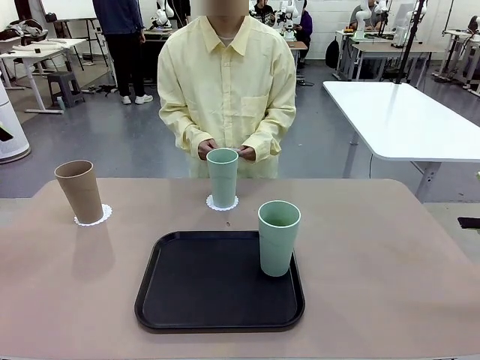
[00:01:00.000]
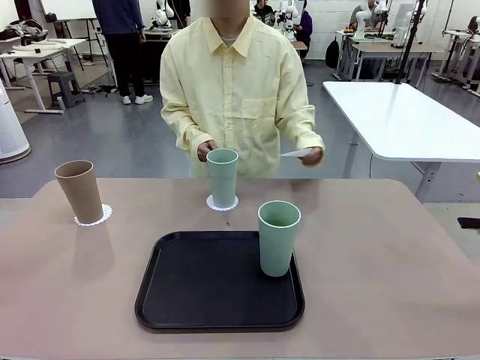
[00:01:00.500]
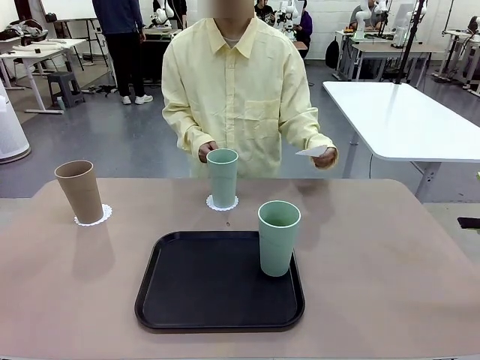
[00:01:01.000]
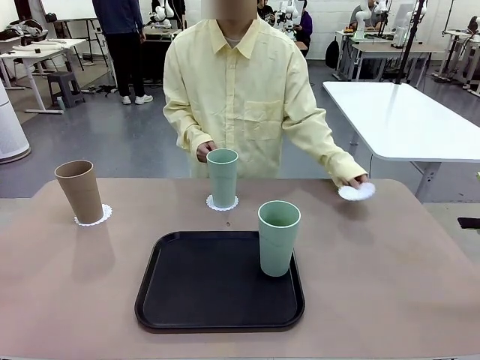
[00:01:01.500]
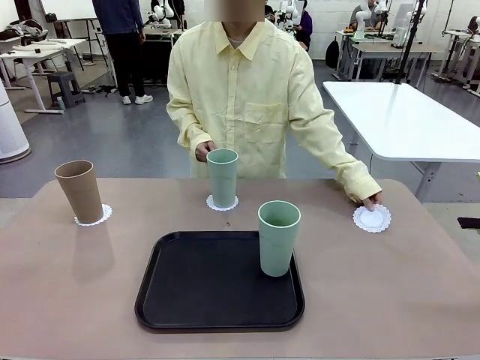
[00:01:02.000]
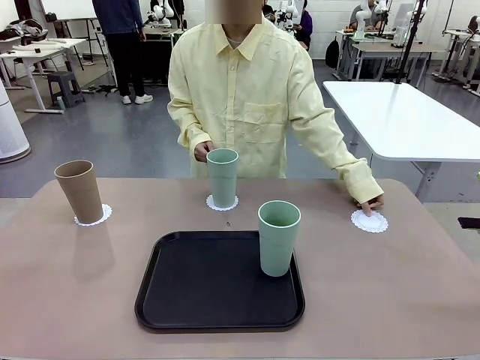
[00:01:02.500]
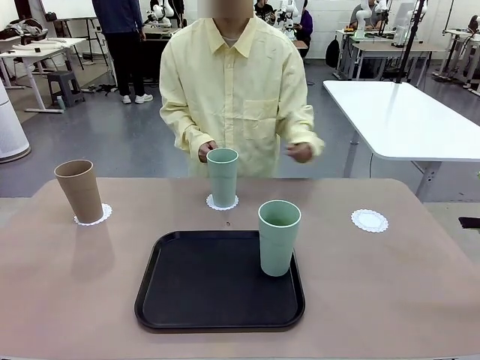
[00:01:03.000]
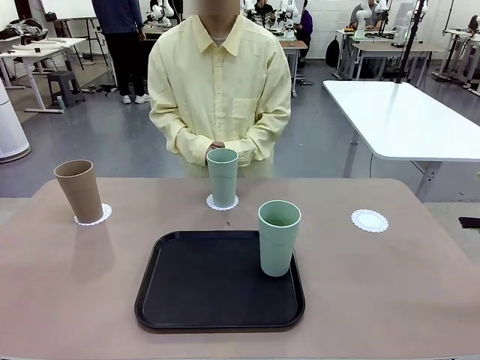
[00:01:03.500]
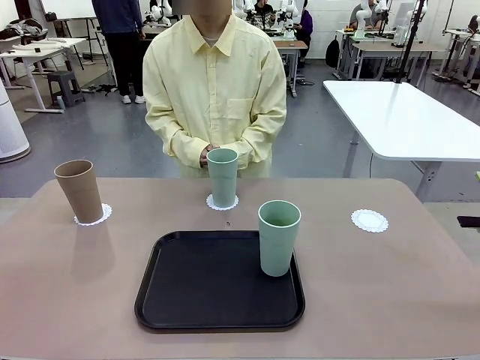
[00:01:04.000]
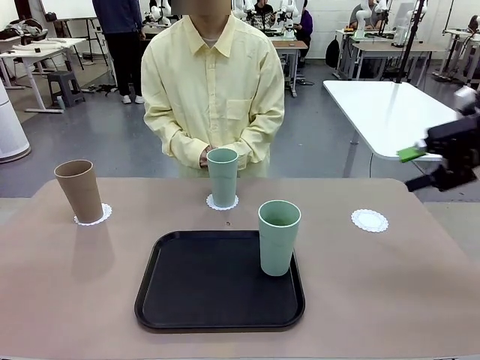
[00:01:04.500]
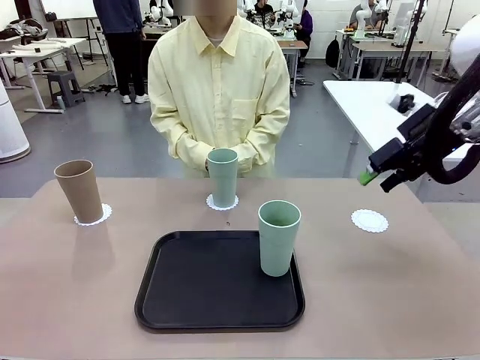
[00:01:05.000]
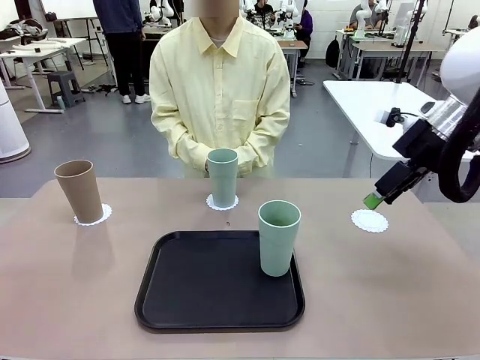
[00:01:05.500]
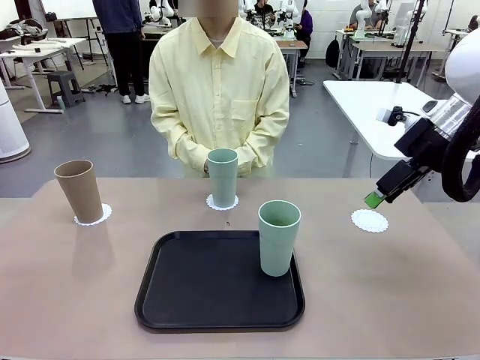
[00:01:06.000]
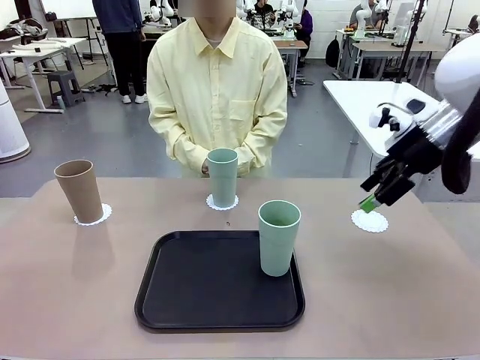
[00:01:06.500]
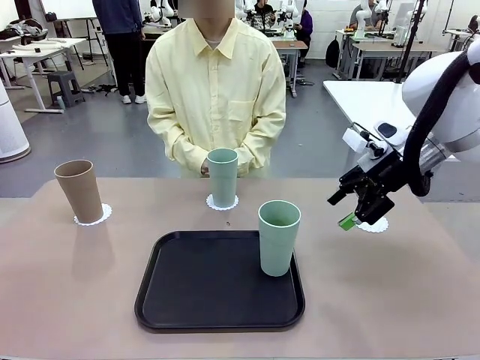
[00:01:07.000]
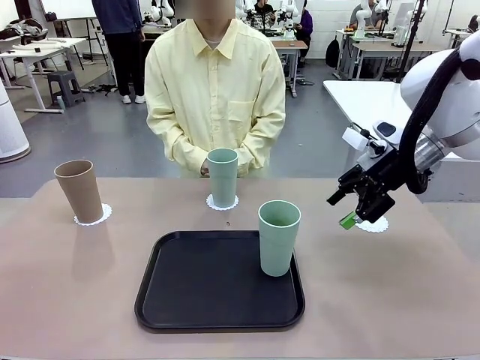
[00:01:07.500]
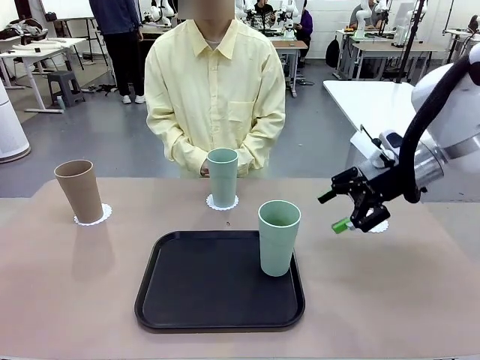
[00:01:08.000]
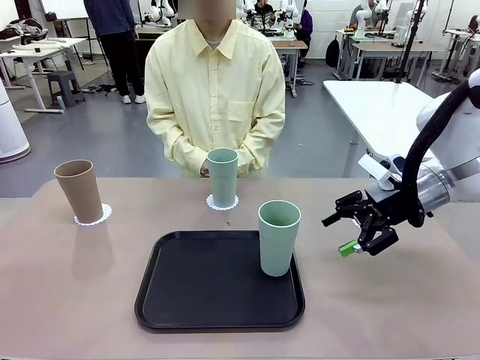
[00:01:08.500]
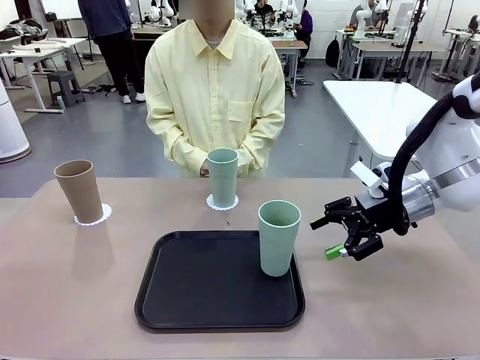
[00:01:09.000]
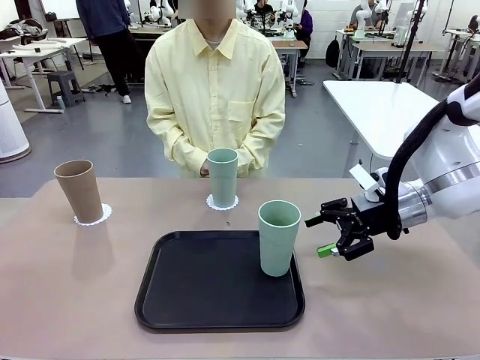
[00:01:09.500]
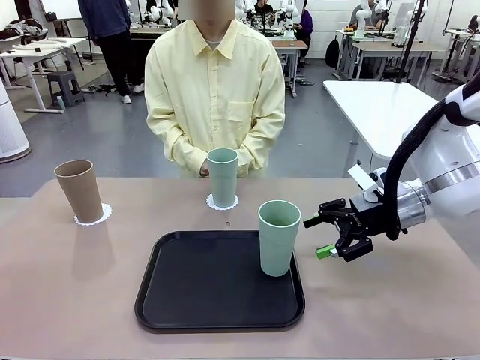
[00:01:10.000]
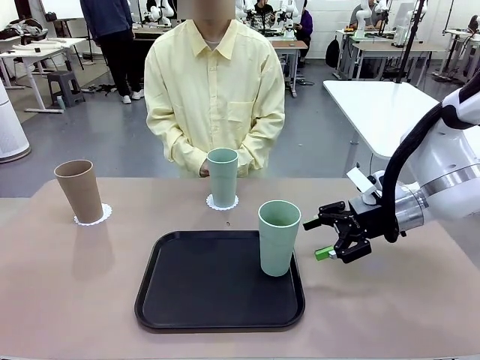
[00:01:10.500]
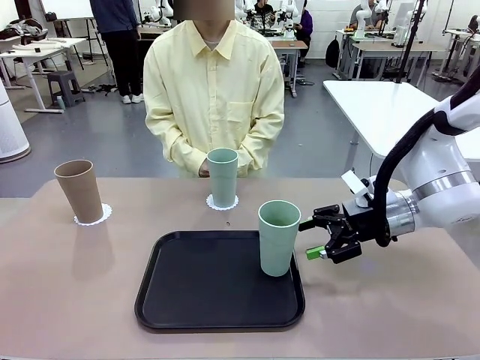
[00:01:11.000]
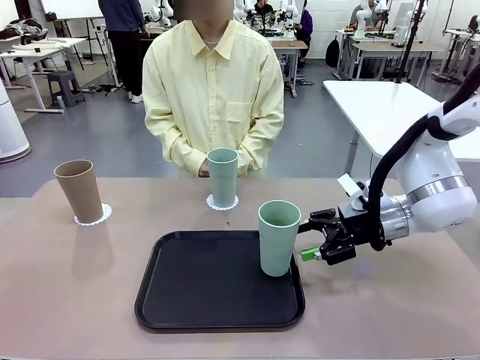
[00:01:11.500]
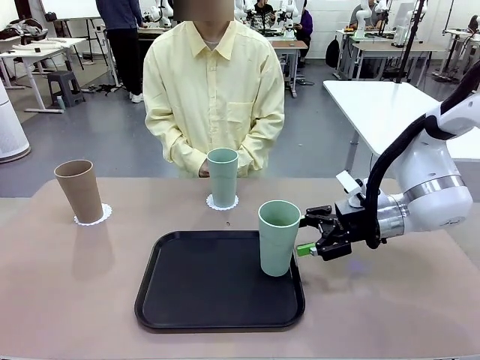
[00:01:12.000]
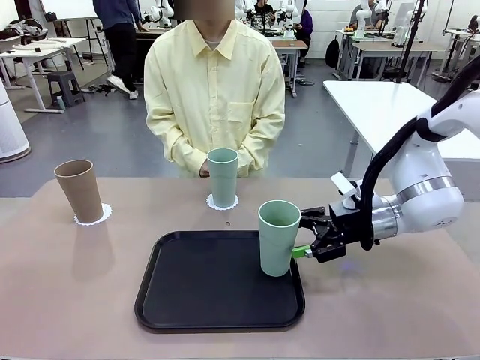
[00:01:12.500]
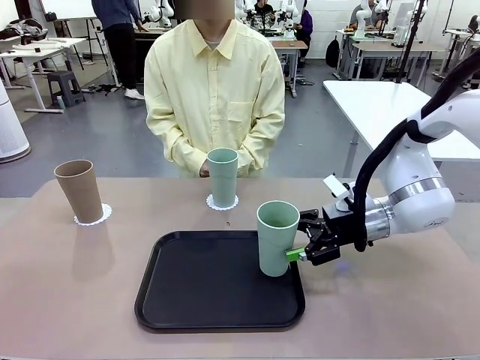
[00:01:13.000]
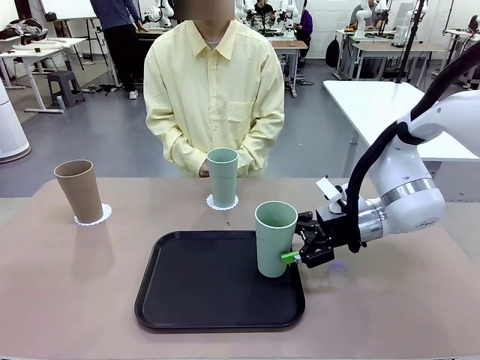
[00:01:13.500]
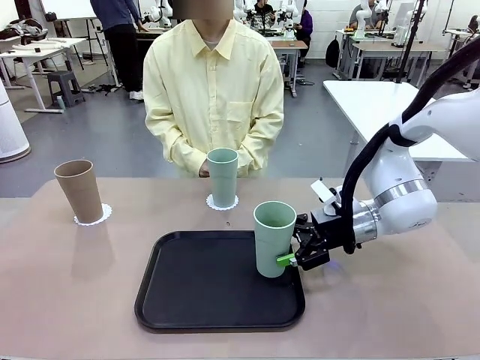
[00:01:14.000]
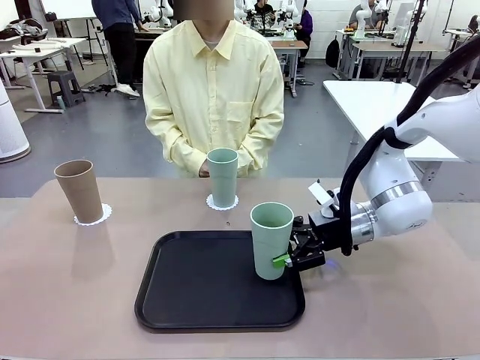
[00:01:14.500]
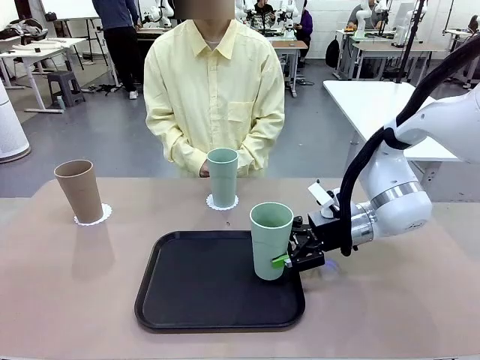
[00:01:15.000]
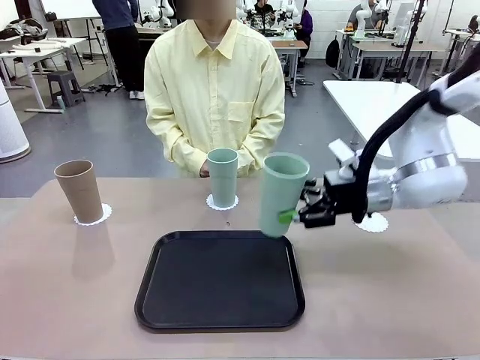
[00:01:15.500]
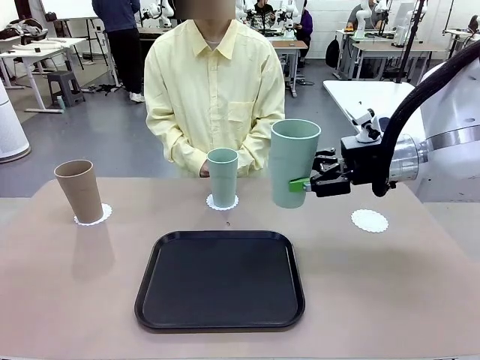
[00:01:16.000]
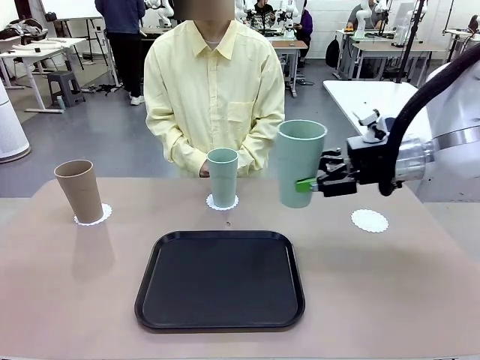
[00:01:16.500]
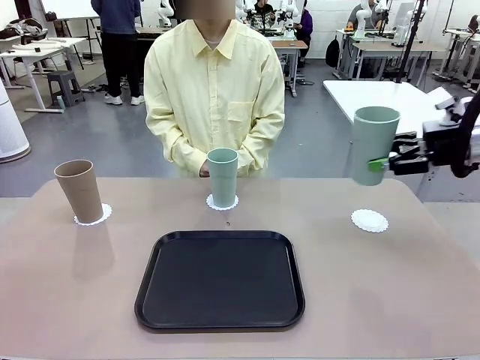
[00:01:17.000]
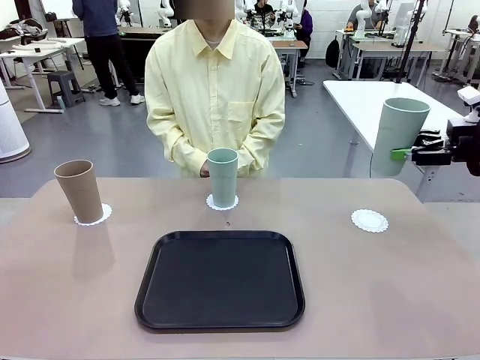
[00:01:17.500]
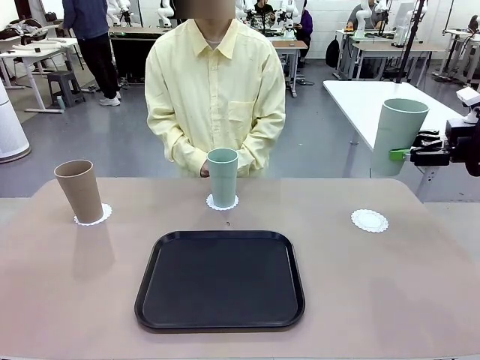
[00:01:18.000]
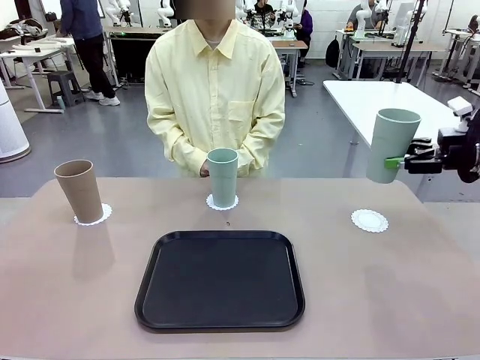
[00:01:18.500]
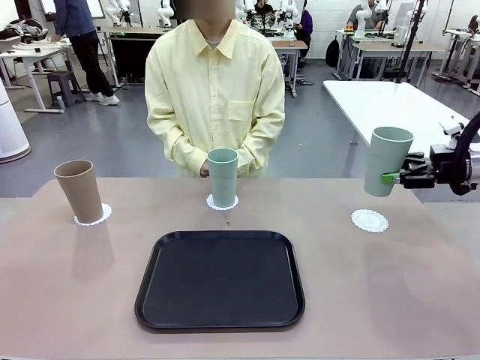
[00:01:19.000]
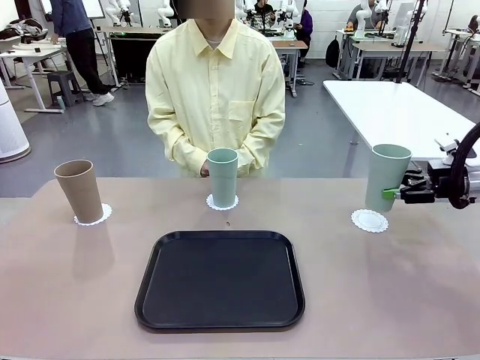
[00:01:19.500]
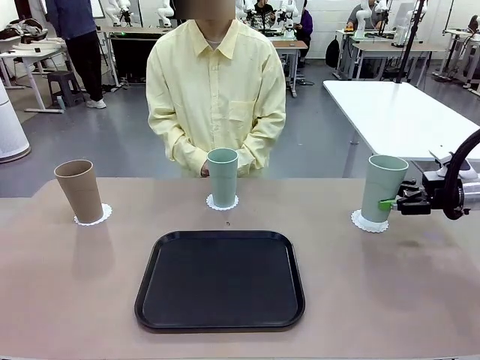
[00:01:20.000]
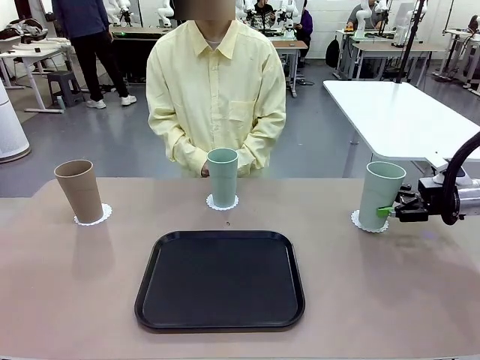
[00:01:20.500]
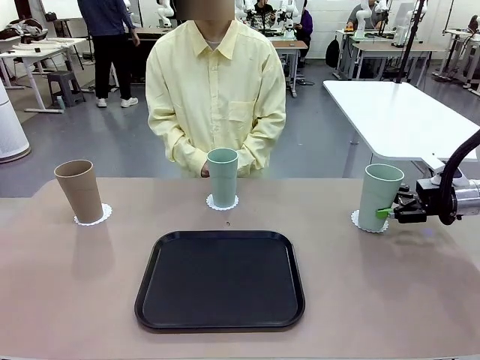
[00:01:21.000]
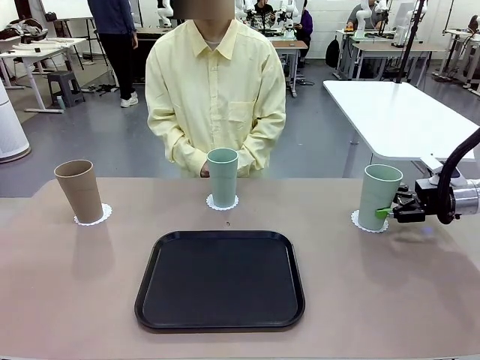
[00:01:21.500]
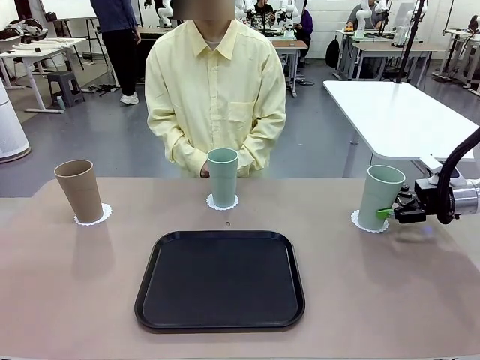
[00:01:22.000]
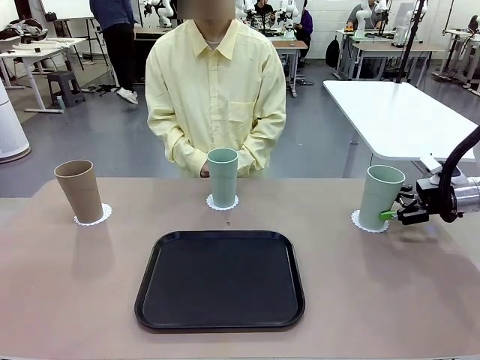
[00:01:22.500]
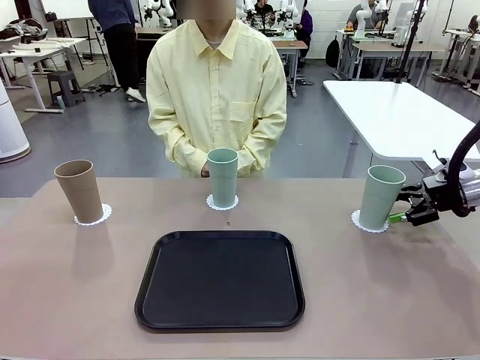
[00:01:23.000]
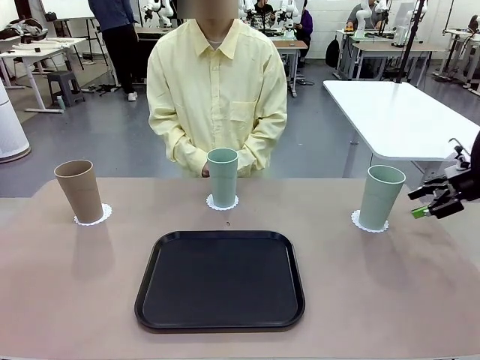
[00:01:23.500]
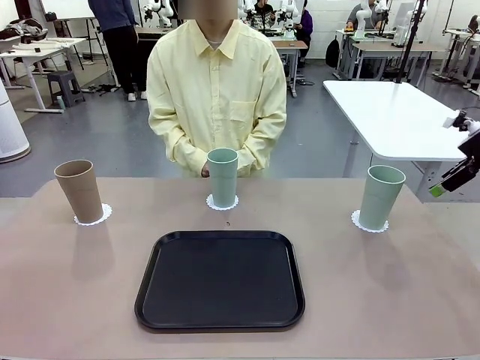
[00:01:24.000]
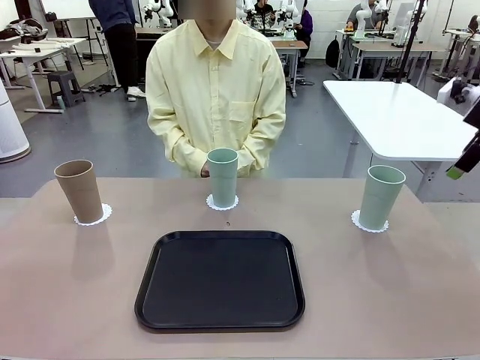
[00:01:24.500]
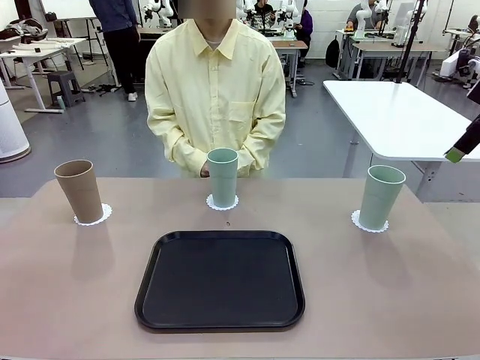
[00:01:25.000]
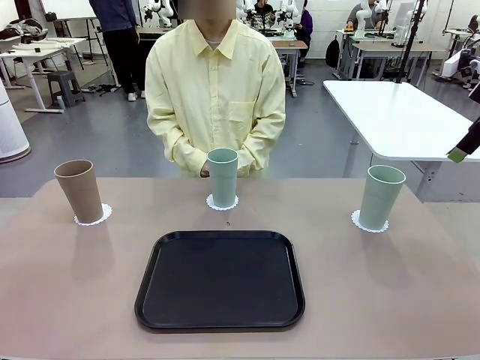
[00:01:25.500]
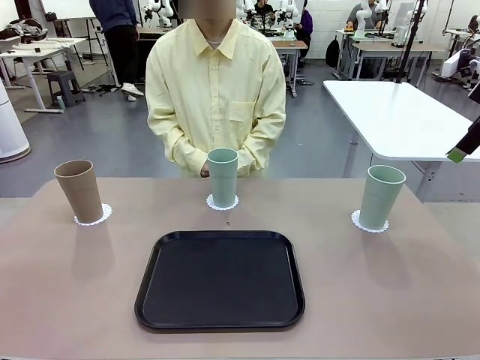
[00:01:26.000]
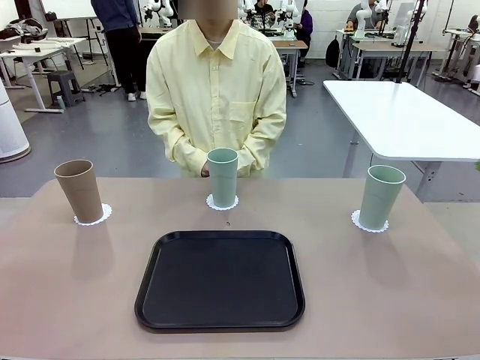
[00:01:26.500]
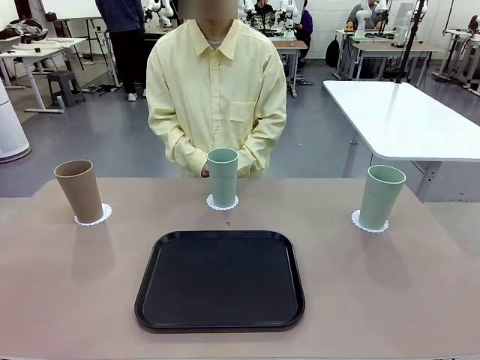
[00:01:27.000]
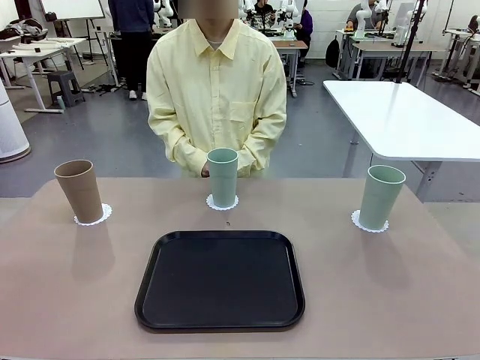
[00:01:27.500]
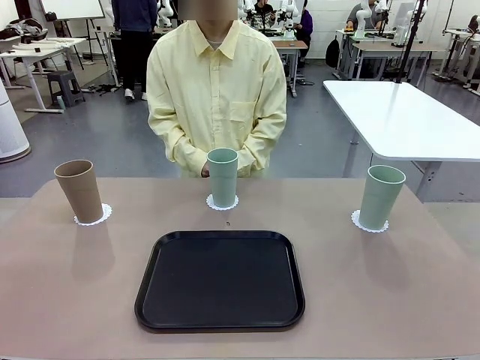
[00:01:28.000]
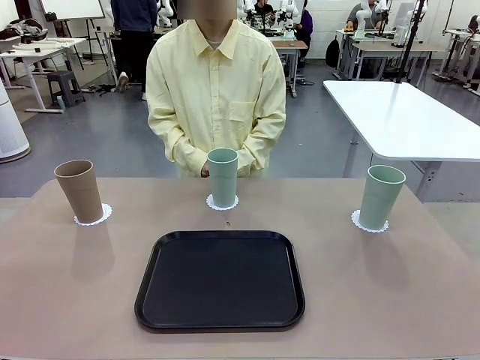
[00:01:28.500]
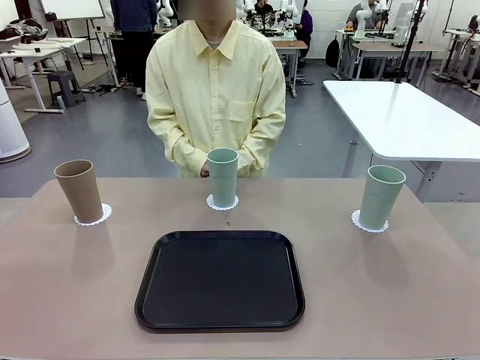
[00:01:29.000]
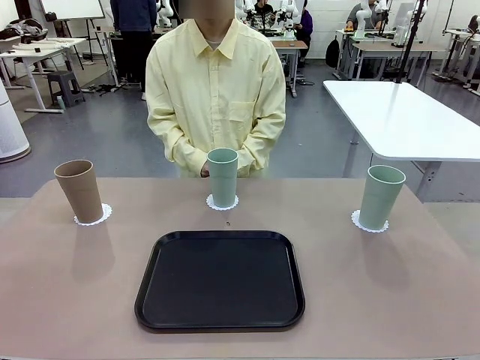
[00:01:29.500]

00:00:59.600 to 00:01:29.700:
Task: Place coasters on the table and set cups on them.
Robot: Take one Reusable plastic cup from the Flat Tray and place it on a coaster set by the human.
Person: Place one coaster in the only remaining area.
